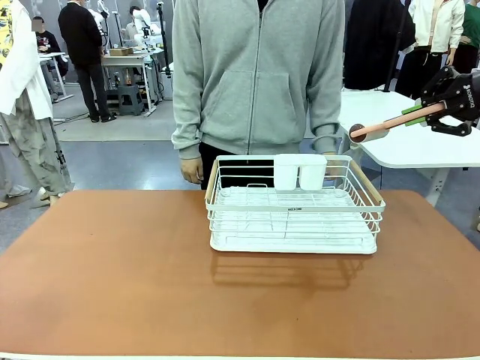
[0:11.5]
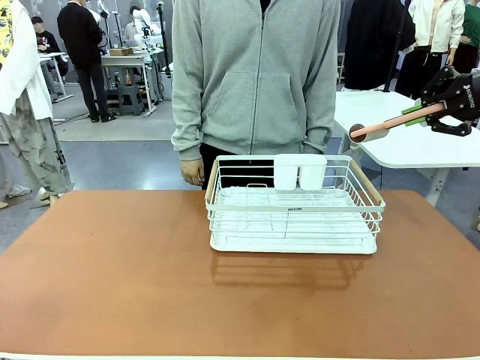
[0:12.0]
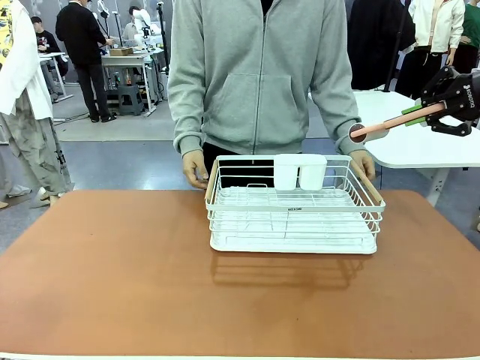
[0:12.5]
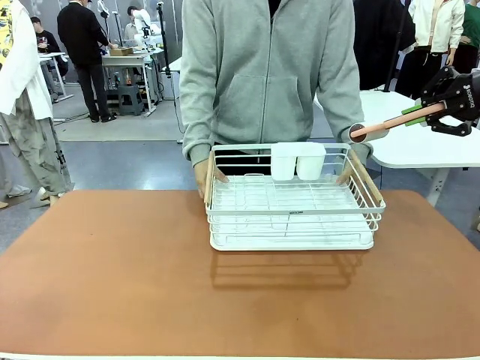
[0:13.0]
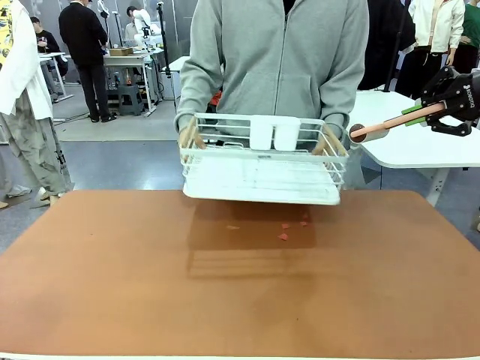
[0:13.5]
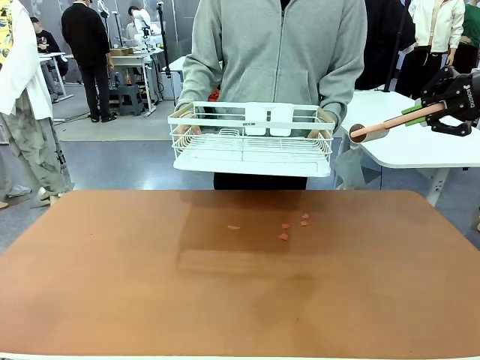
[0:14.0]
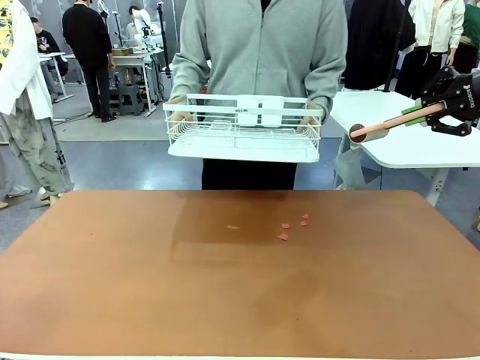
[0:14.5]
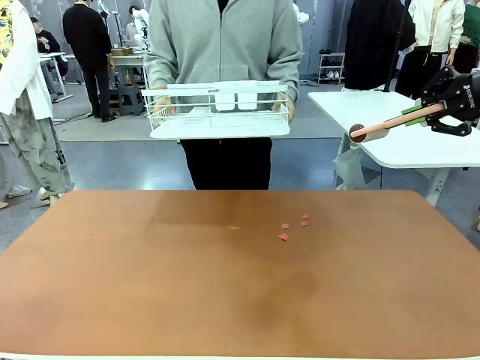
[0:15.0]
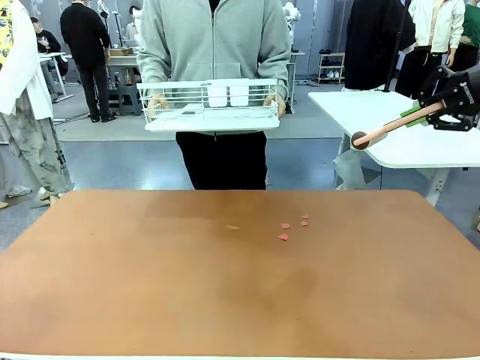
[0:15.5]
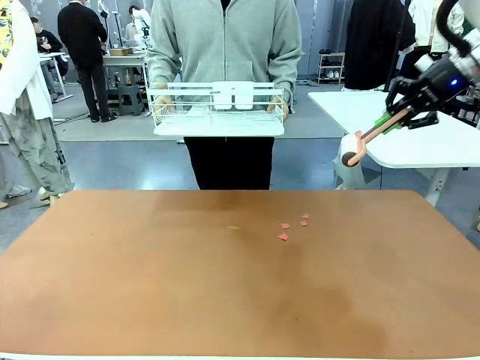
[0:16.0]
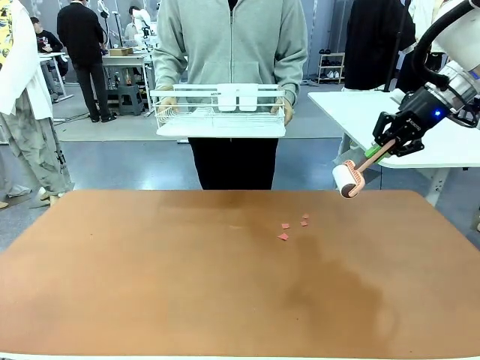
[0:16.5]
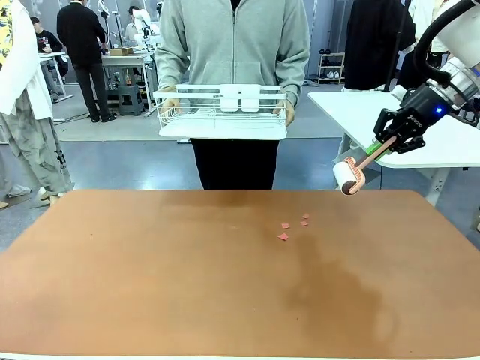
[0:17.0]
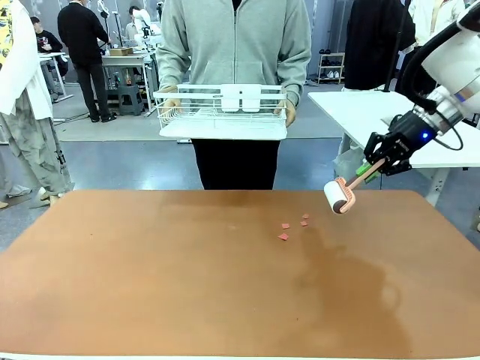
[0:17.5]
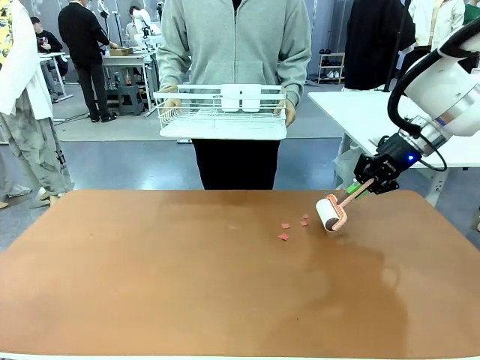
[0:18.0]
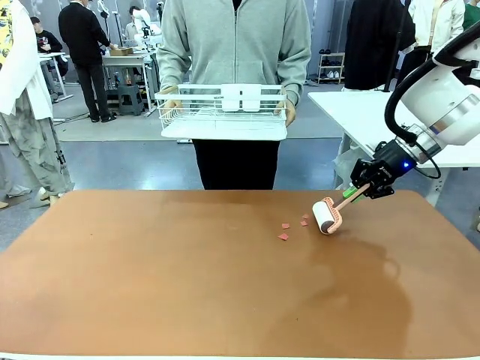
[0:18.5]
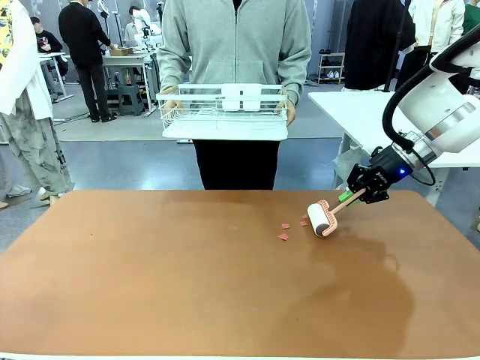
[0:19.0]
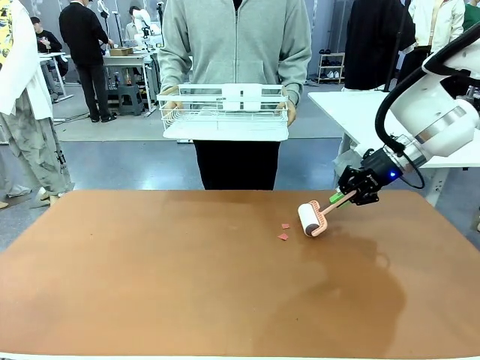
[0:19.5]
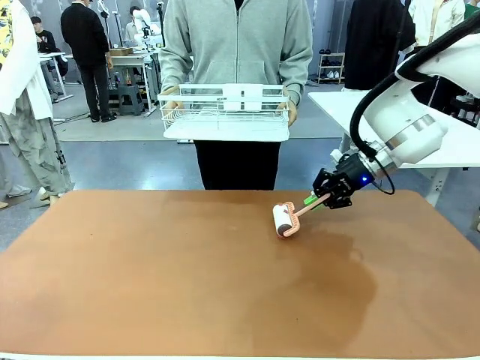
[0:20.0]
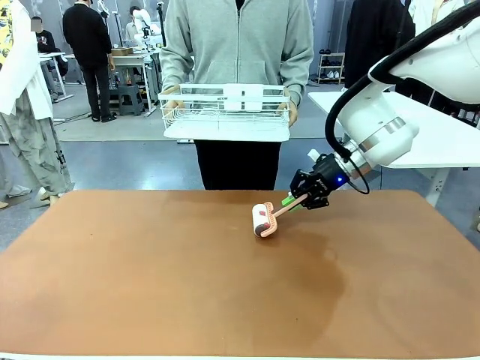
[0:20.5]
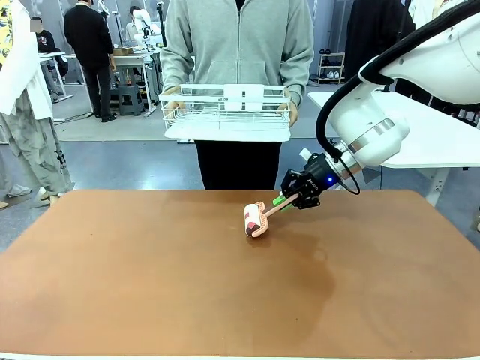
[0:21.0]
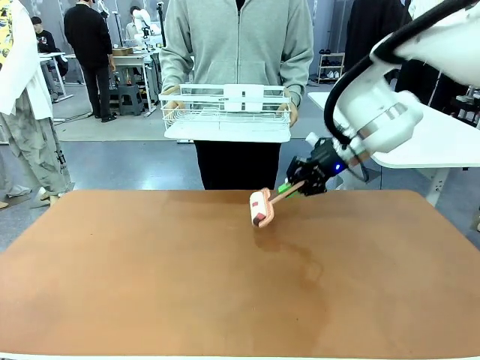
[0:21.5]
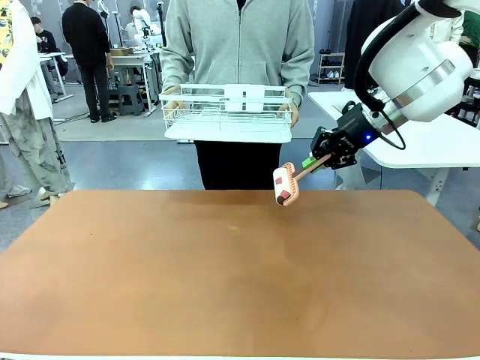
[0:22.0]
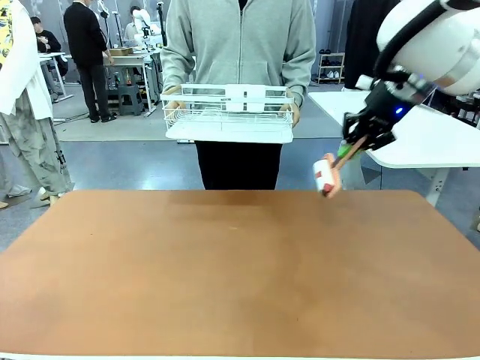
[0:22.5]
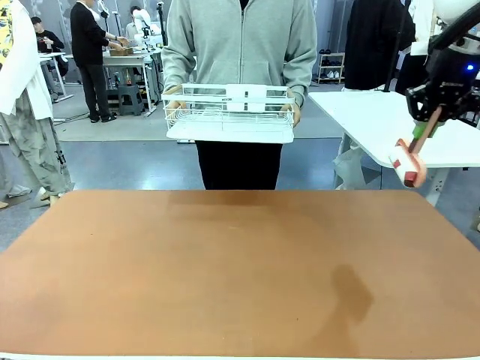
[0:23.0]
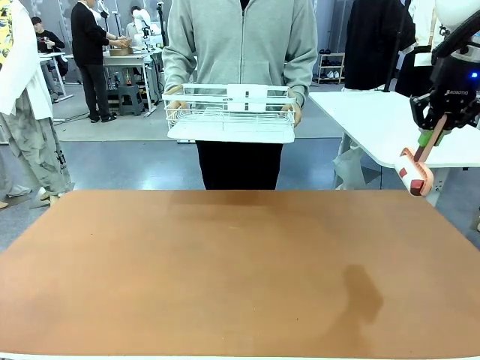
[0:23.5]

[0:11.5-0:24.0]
Task: Clean the table.
Robot: Clean the table with the Lint Roller when the human lifts the Dish drying rack.
Person: Place the Dish drying rack down when the robot finishes cleaning.

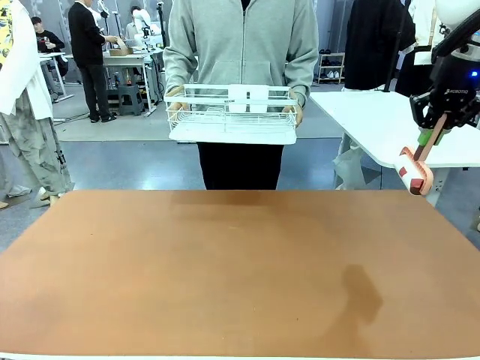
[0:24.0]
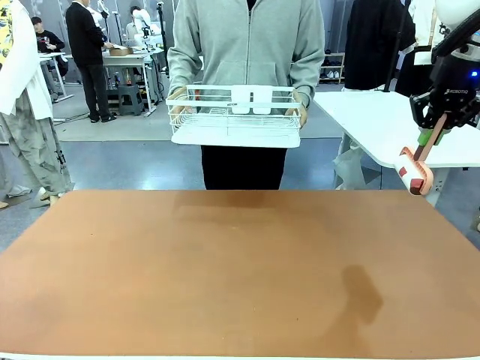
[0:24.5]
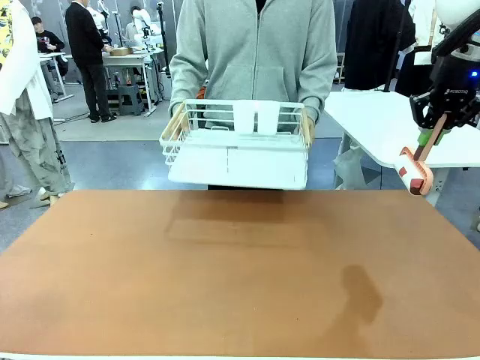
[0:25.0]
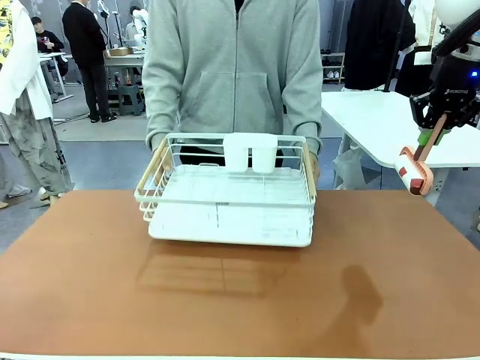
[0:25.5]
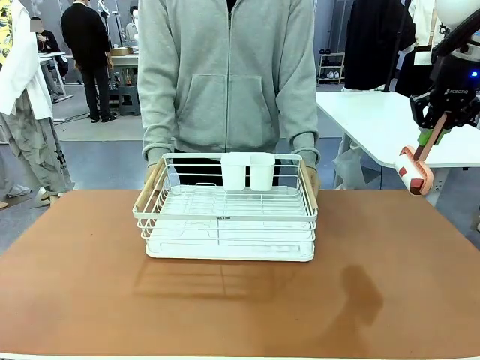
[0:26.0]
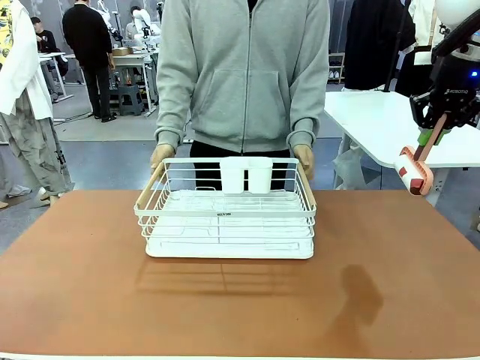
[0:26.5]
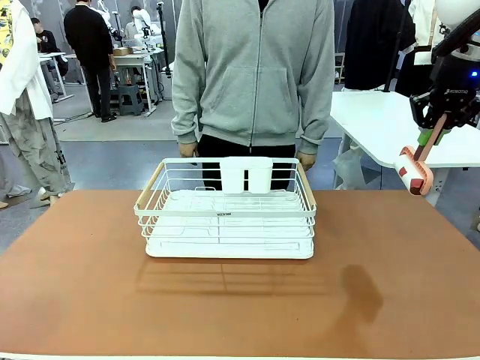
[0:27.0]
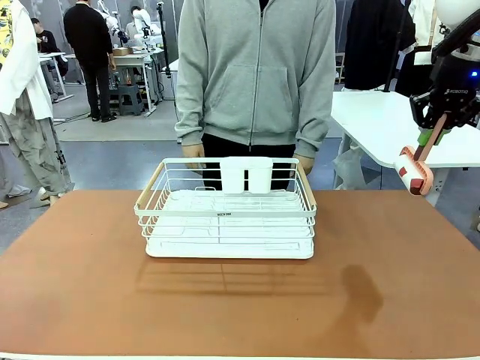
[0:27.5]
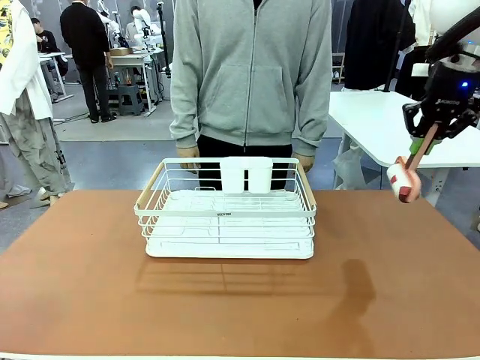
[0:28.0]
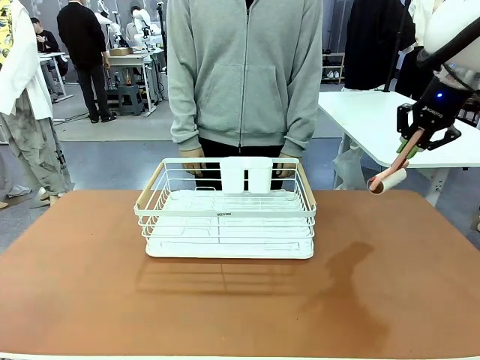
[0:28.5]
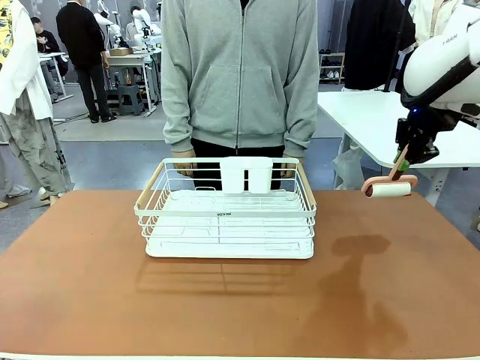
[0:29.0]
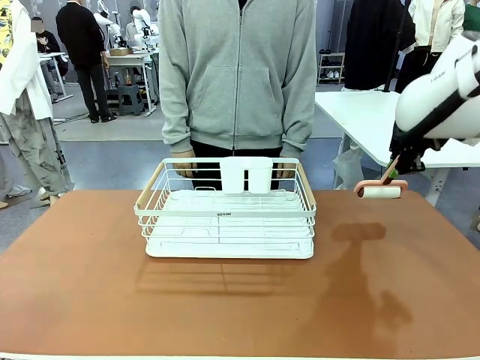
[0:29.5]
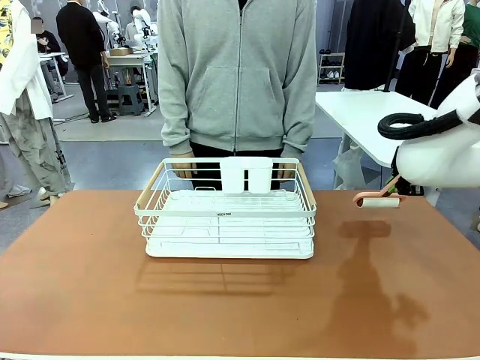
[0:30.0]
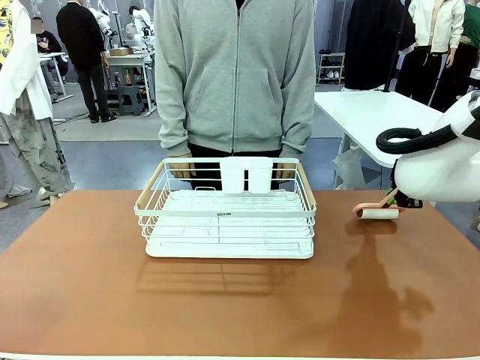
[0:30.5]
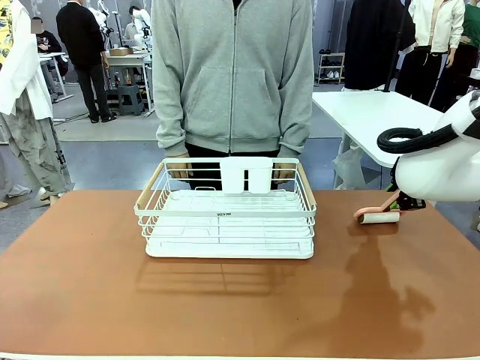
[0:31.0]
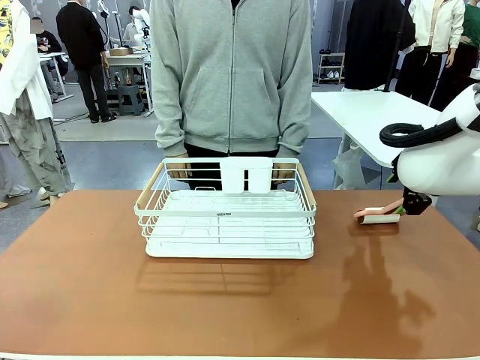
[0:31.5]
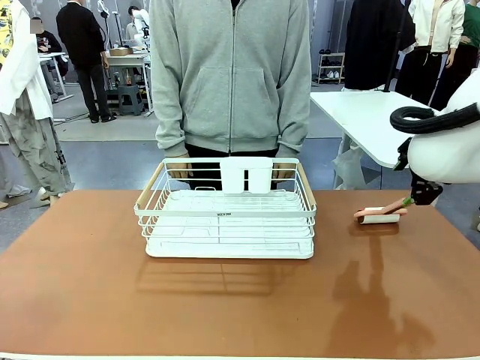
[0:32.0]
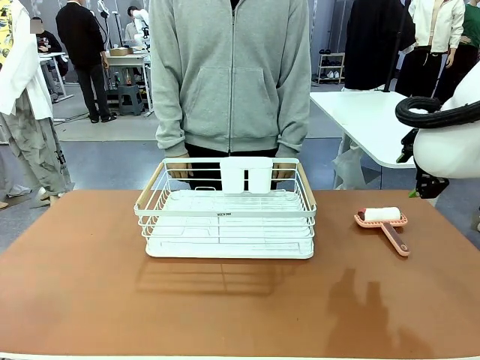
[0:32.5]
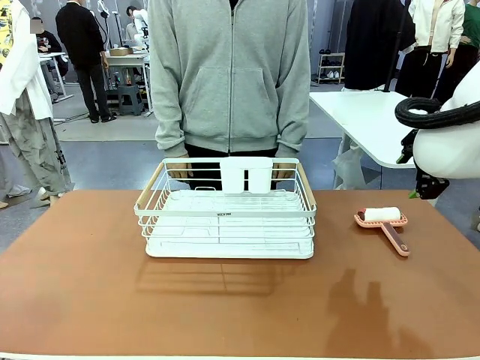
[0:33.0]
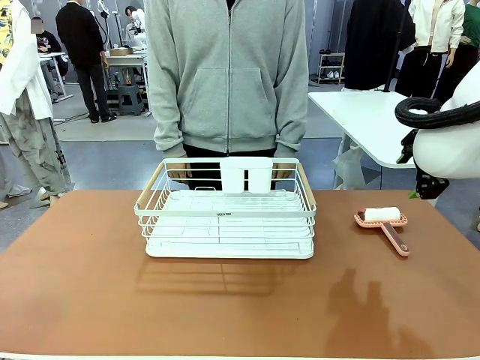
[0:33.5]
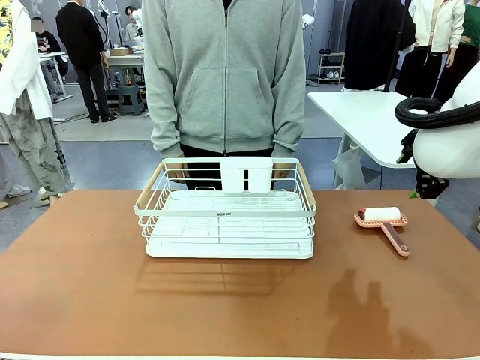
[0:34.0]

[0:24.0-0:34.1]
Robot: Place the Lint Roller down when the Dish drying rack is positioned in the middle of the table.

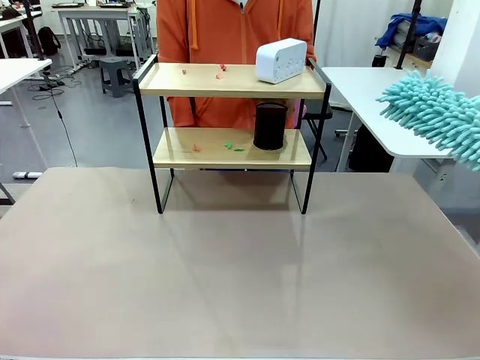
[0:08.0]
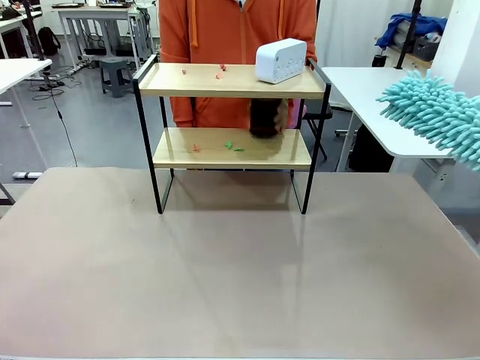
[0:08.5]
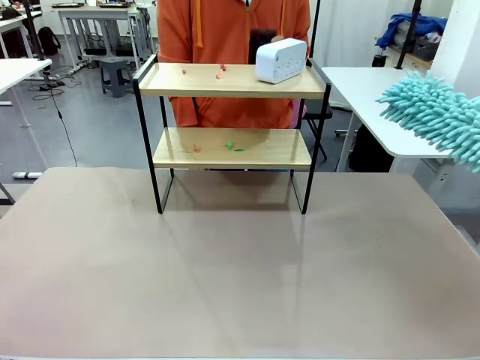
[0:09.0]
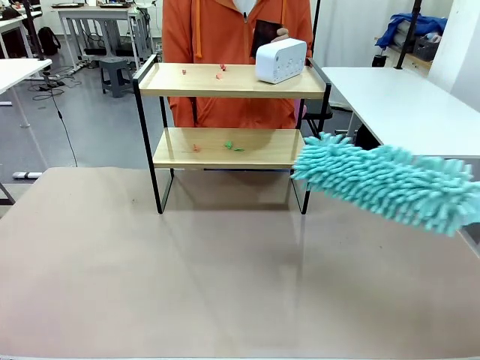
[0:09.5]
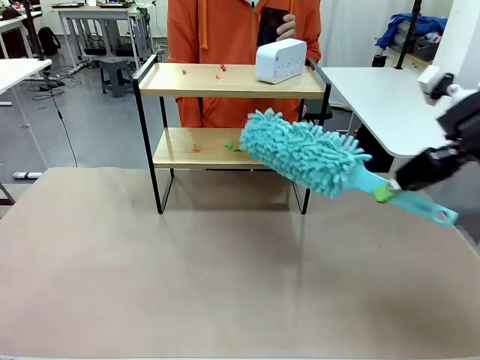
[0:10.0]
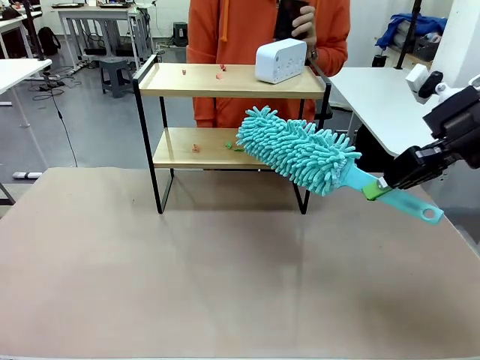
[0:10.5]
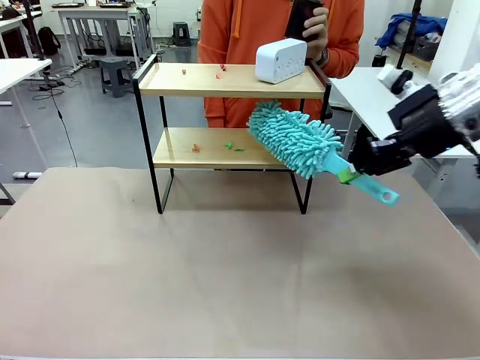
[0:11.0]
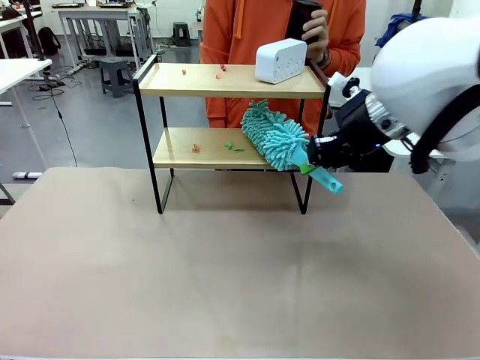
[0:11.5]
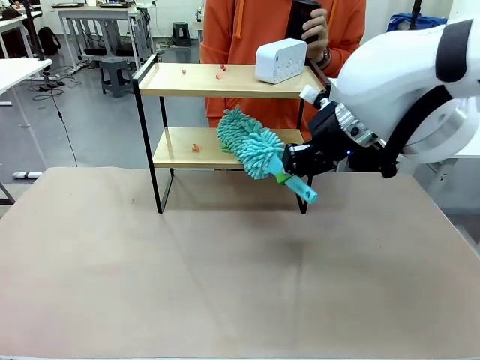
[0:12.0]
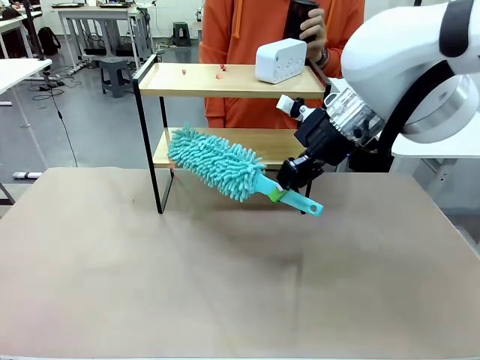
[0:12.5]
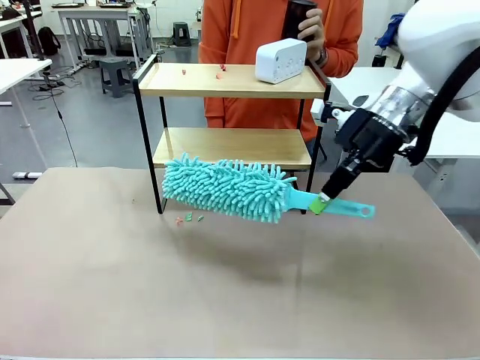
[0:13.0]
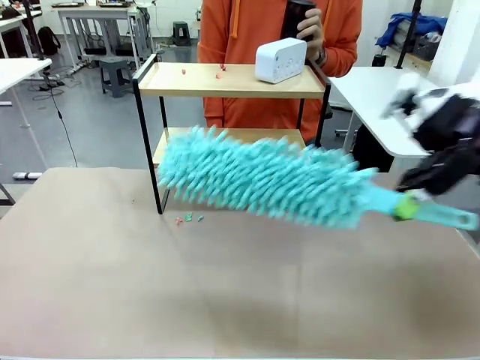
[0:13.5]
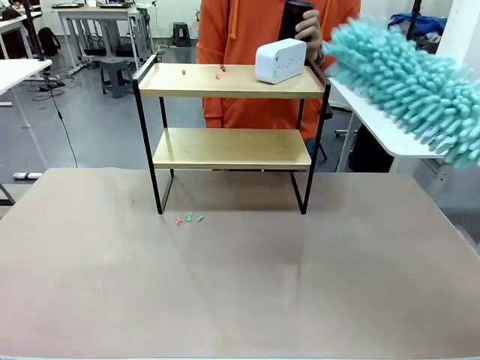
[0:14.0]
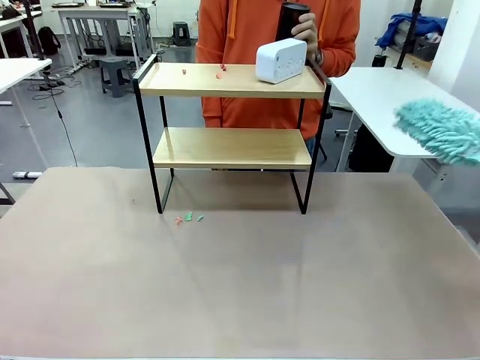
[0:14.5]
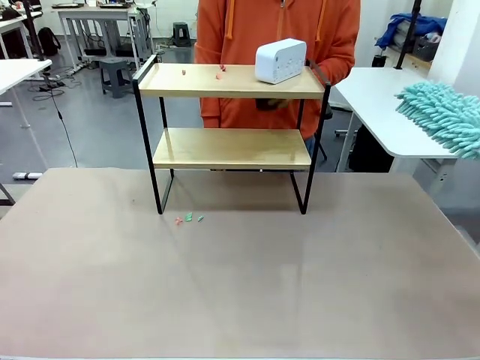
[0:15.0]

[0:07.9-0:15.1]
Task: Clean the shelf.
Robot: Clean the specific tier of the Shelf with the Duster once objects are removed.
Person: Lift the objects on a randomly selected tier of the Shelf. Once the robot finishes cleaning, lift the objects on the remaining tiers of the Shelf.
